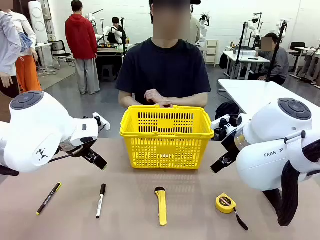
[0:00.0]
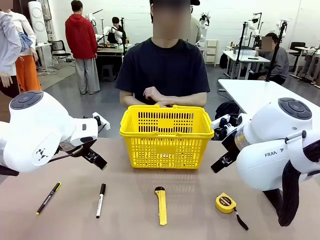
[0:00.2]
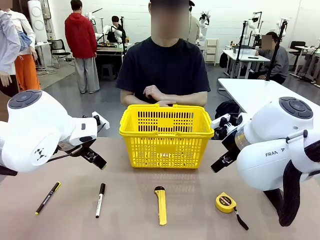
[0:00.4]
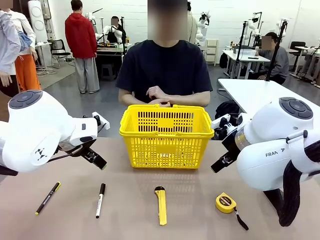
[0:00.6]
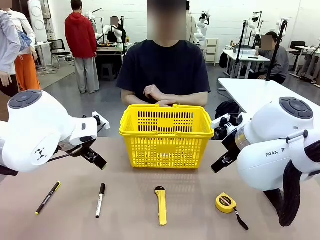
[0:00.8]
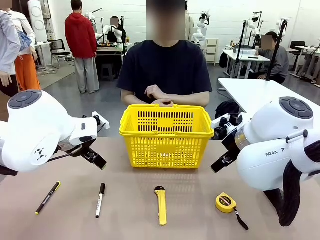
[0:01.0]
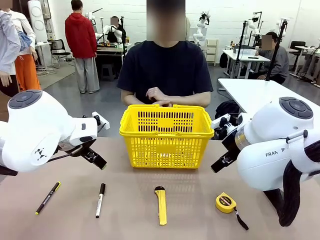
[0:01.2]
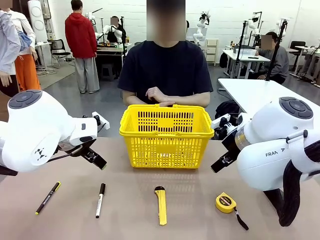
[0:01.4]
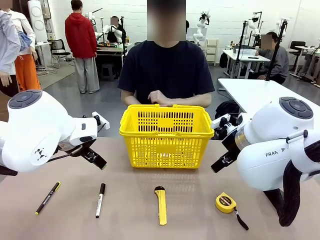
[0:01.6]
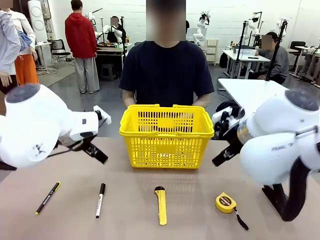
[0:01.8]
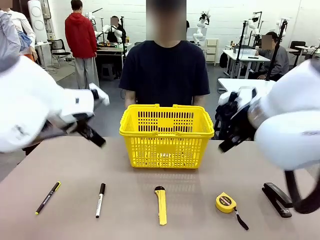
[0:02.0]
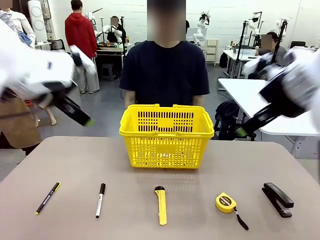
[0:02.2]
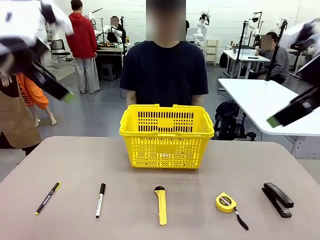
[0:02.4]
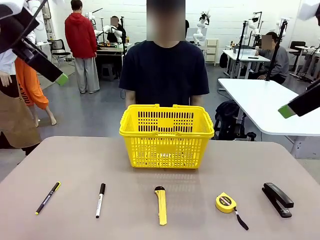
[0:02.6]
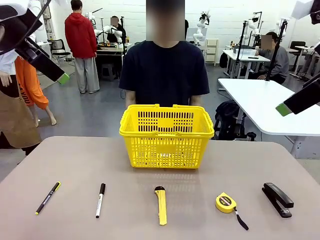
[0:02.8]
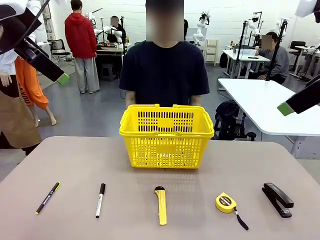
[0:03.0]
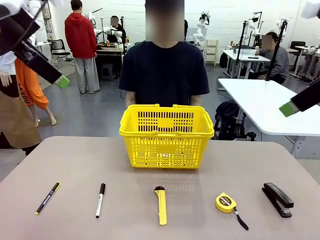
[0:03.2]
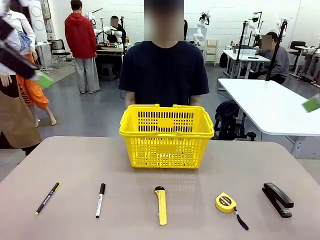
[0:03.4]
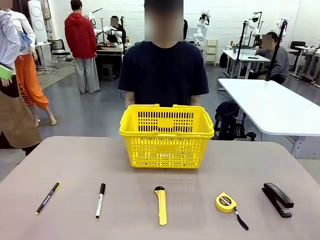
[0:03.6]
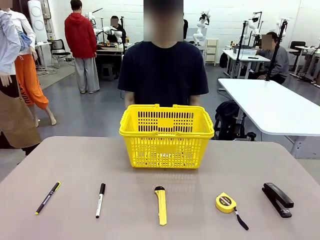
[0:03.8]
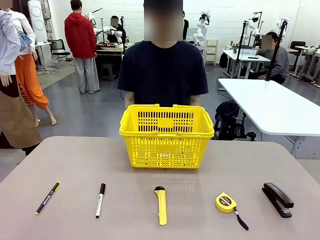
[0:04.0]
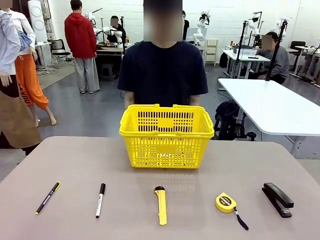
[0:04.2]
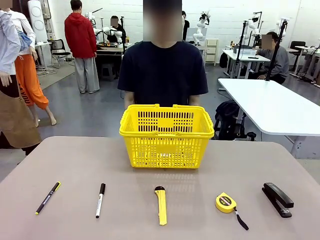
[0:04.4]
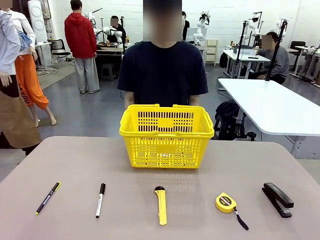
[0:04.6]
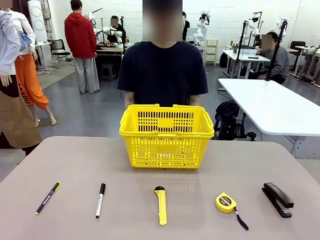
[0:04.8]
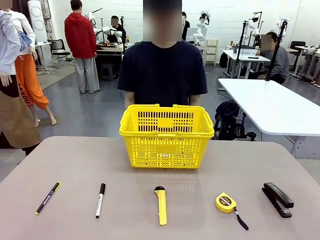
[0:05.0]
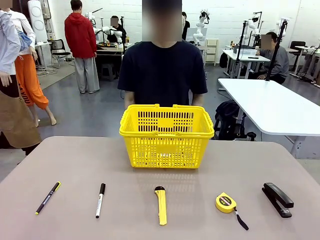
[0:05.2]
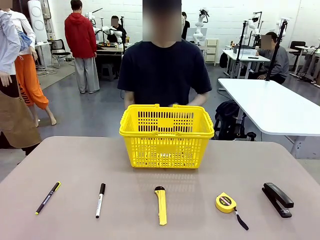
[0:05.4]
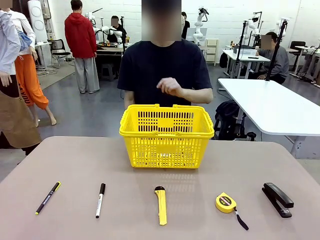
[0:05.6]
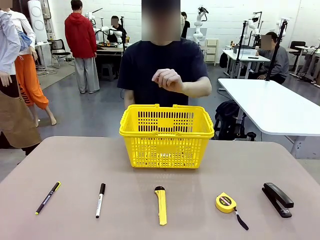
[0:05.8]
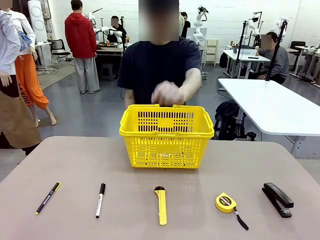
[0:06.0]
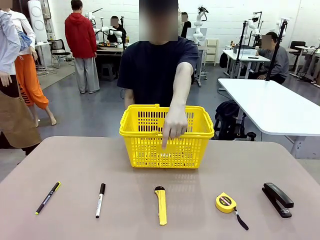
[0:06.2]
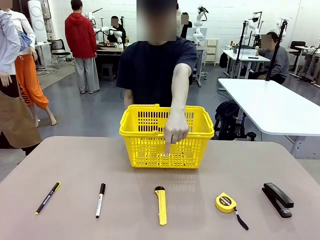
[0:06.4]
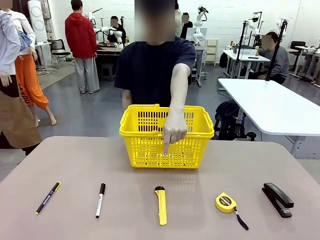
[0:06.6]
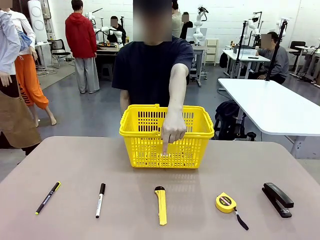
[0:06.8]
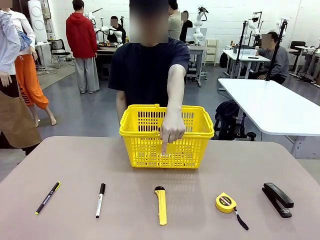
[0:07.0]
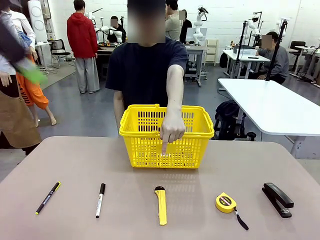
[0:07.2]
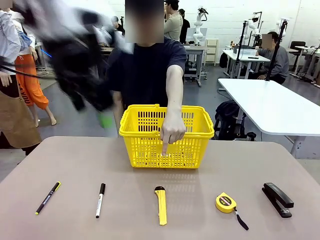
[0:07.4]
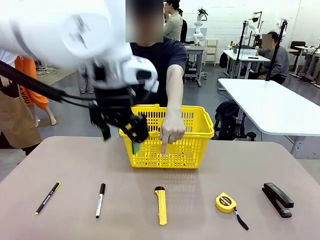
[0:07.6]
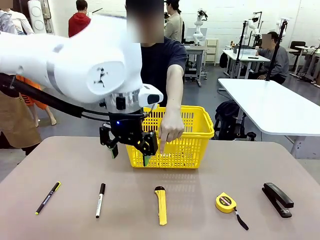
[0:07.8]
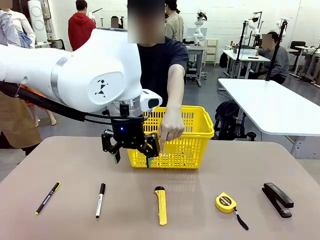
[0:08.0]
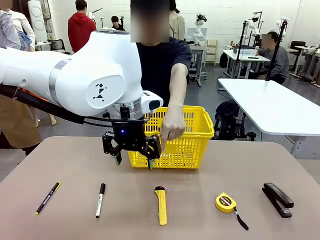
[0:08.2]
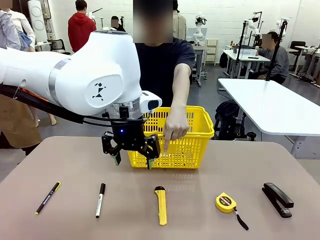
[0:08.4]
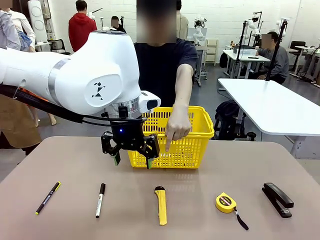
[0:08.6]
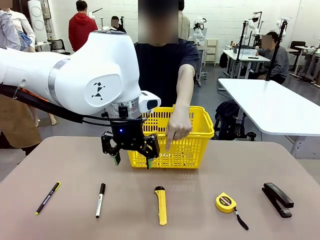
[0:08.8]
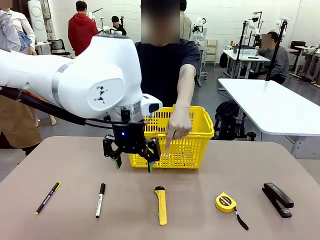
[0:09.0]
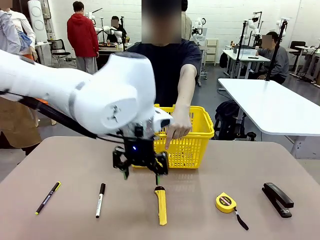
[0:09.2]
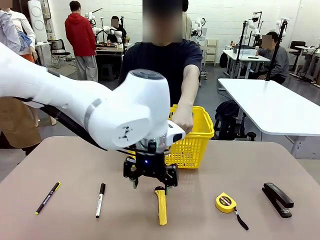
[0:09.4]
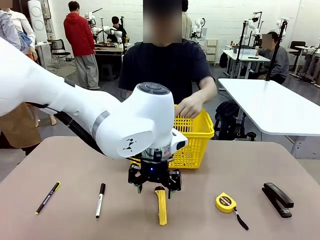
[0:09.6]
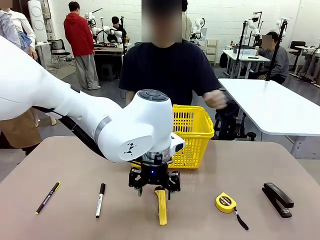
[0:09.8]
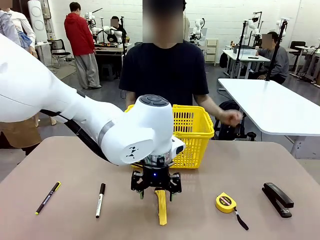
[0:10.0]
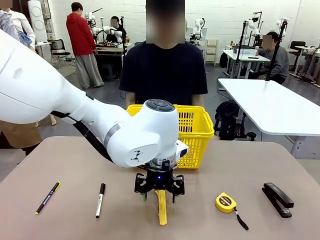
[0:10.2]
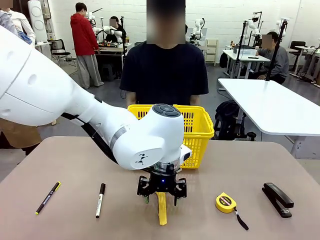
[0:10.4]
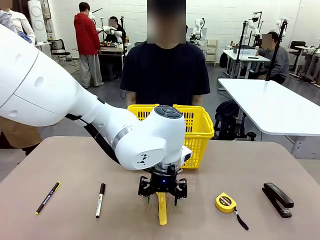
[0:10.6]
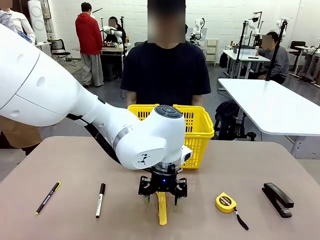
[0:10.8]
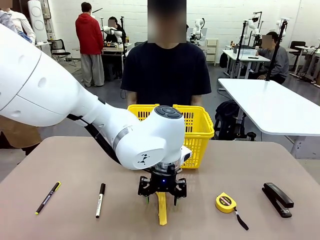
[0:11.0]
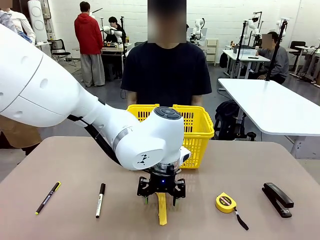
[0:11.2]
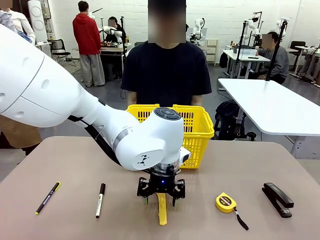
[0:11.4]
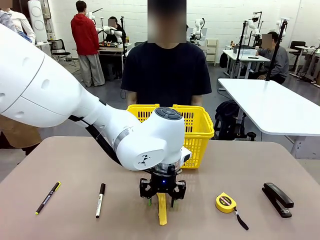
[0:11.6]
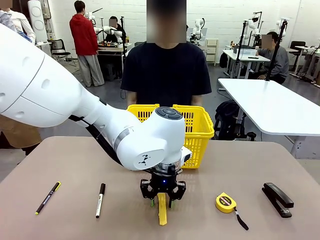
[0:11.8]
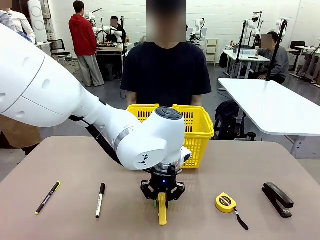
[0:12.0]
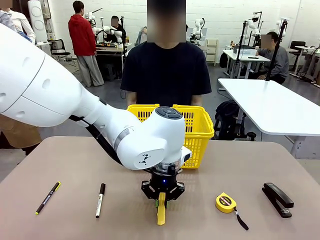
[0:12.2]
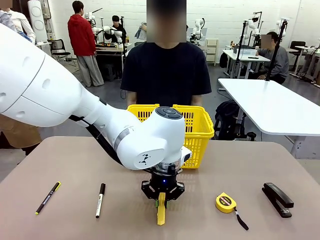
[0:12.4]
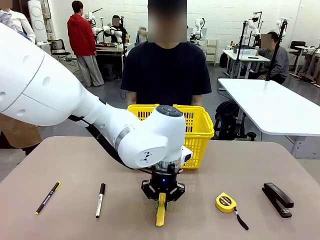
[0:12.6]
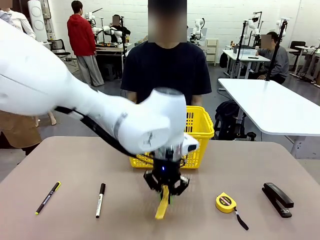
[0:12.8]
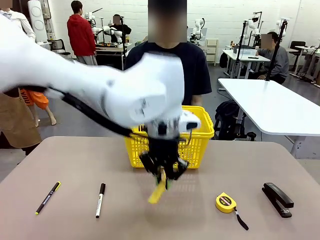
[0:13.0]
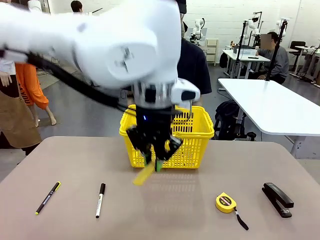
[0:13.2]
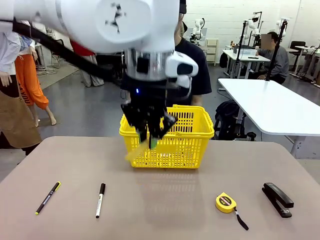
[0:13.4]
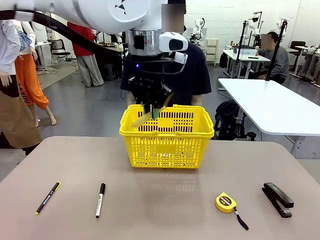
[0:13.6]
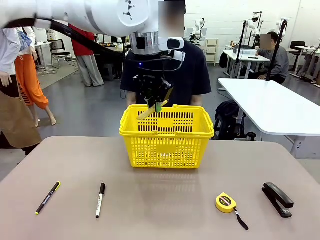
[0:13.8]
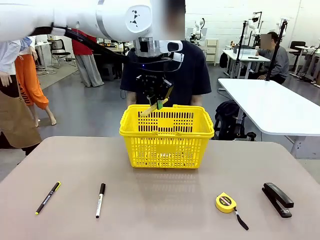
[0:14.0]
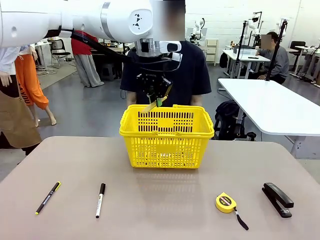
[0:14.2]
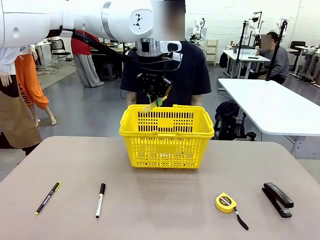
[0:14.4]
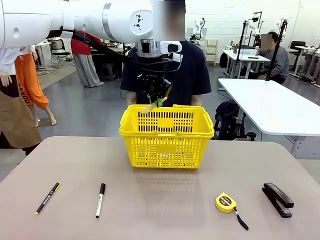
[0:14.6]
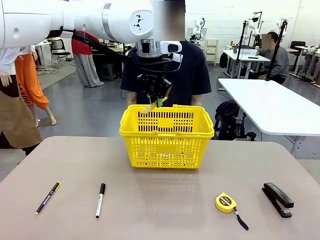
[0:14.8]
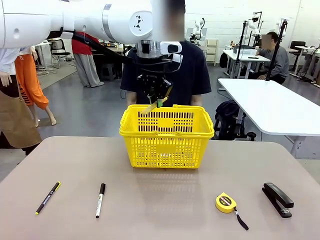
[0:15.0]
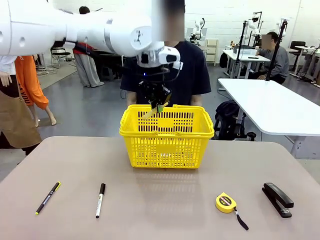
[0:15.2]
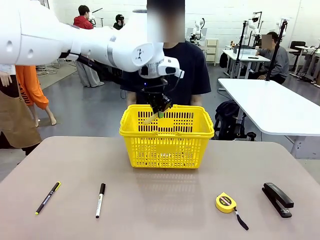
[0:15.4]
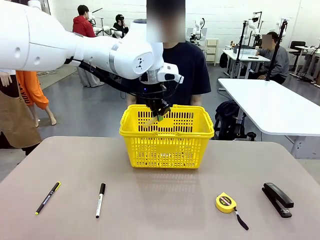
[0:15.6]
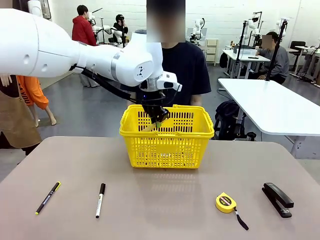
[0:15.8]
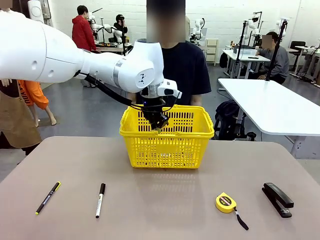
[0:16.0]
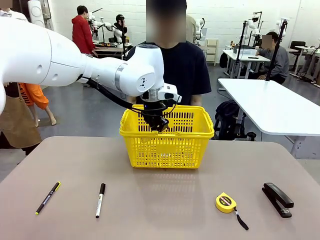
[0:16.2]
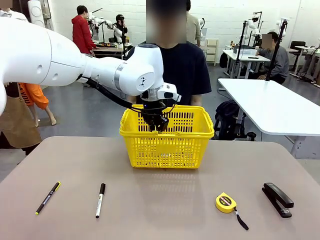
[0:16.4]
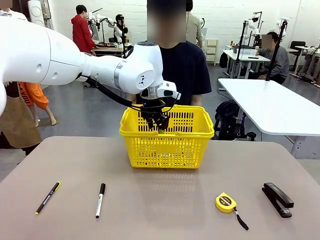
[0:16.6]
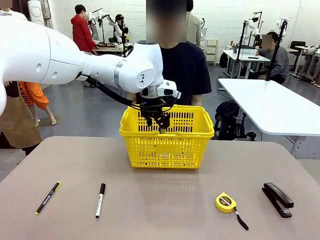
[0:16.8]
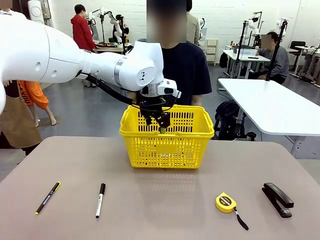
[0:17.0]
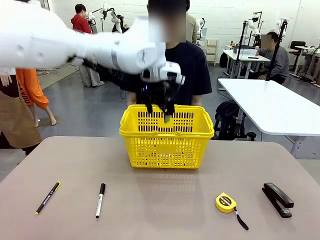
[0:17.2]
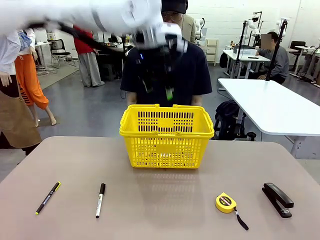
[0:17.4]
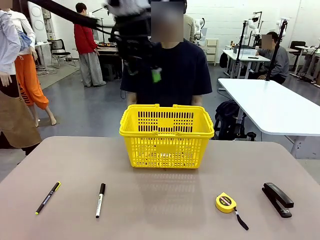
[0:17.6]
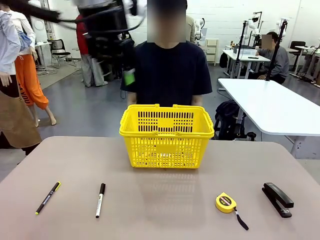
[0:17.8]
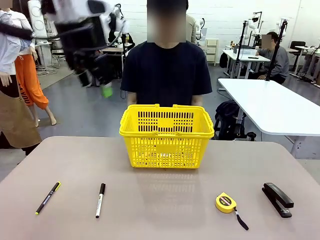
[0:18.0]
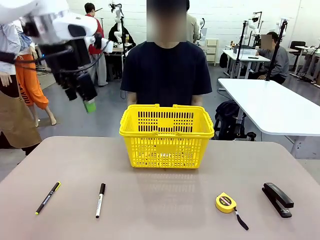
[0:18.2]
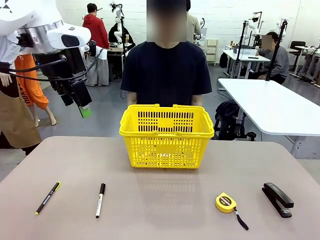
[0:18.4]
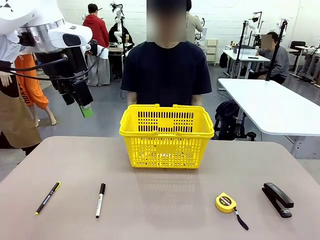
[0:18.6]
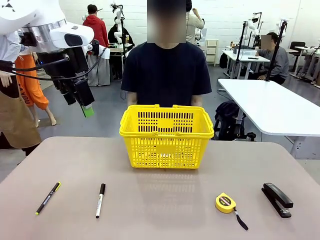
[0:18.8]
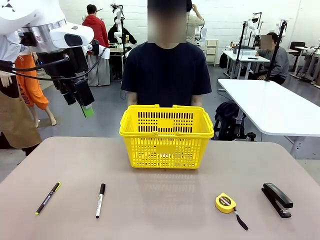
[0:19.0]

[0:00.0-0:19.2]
Task: Place the items the person wants into the basket.
Robot: Pick up the item the person points to and place it in the Market Basket.
